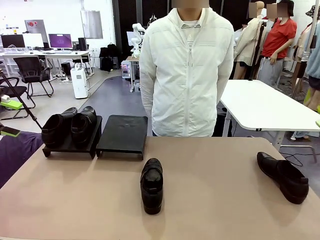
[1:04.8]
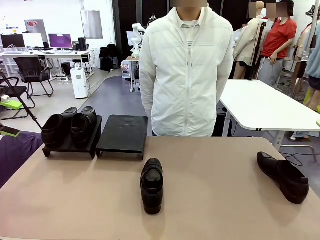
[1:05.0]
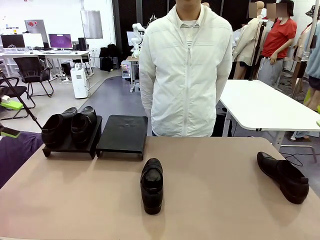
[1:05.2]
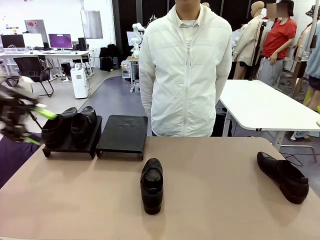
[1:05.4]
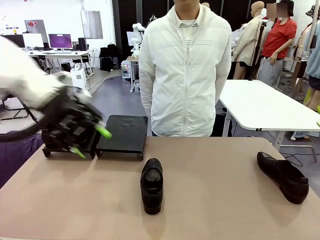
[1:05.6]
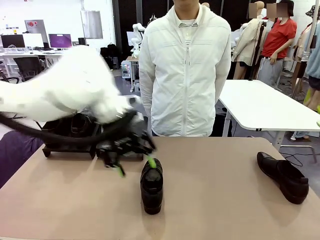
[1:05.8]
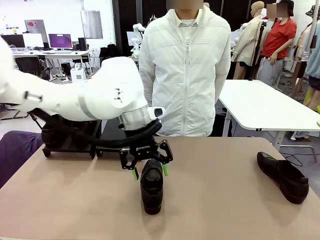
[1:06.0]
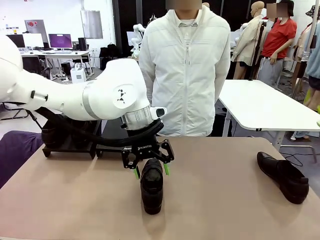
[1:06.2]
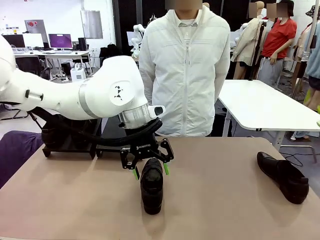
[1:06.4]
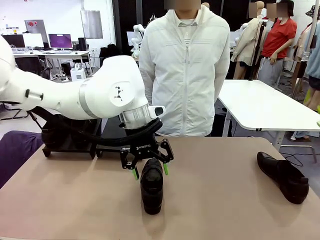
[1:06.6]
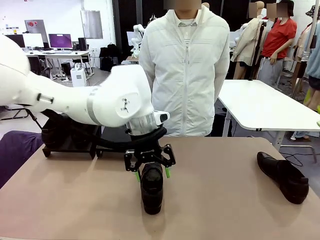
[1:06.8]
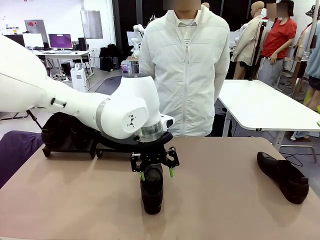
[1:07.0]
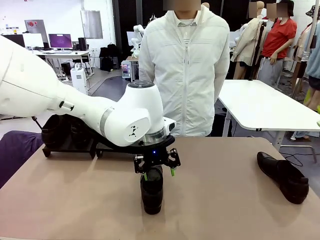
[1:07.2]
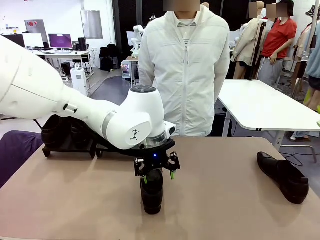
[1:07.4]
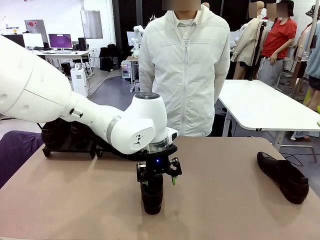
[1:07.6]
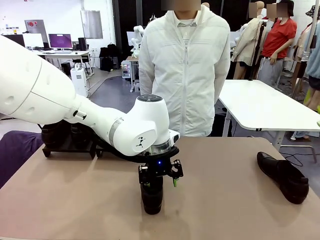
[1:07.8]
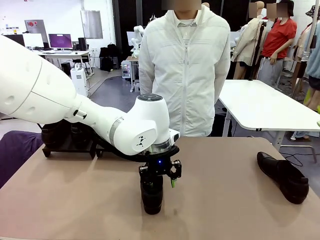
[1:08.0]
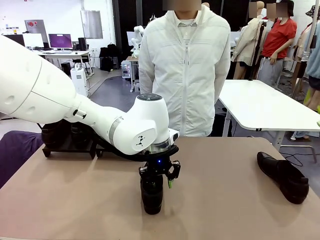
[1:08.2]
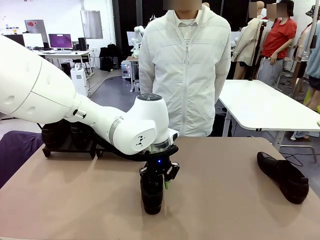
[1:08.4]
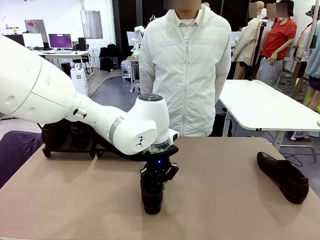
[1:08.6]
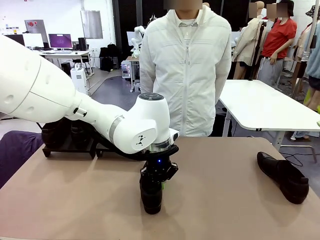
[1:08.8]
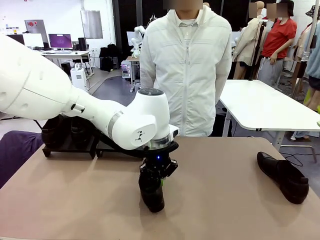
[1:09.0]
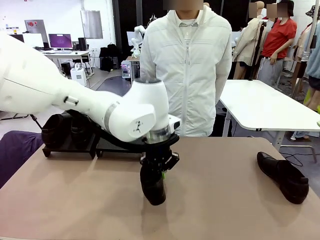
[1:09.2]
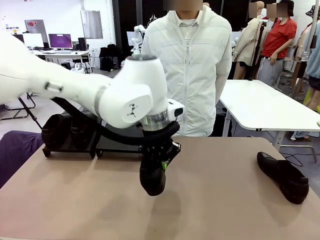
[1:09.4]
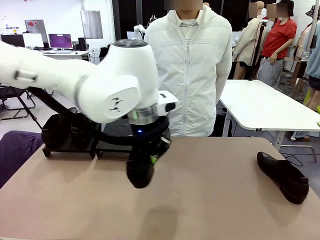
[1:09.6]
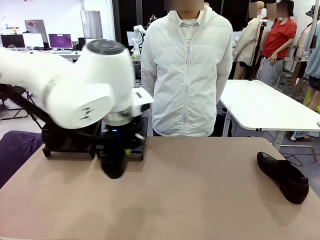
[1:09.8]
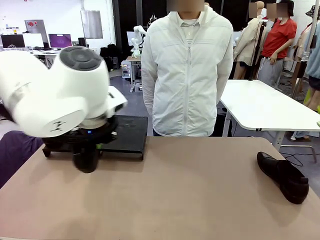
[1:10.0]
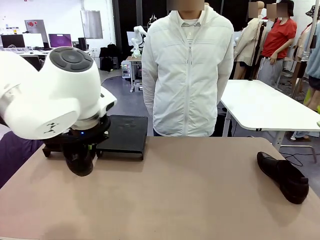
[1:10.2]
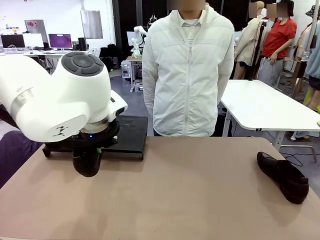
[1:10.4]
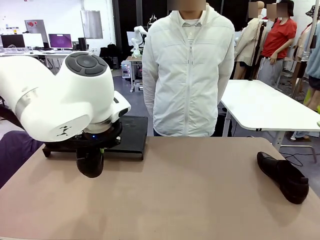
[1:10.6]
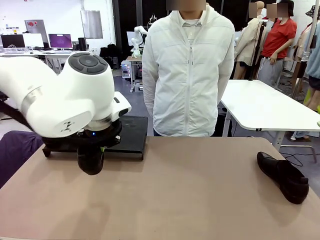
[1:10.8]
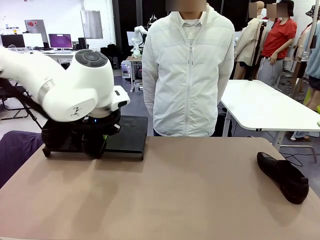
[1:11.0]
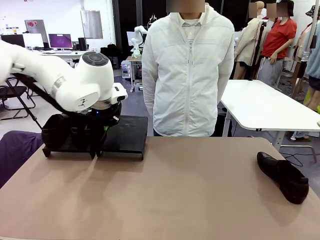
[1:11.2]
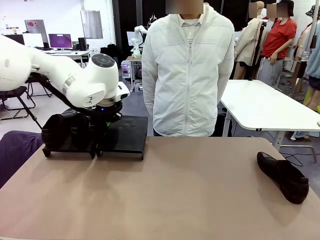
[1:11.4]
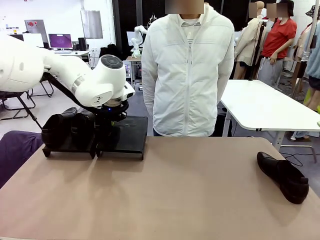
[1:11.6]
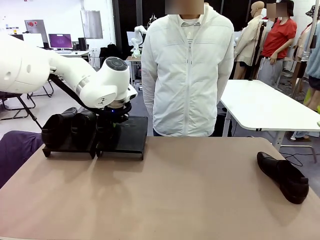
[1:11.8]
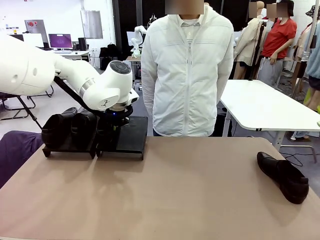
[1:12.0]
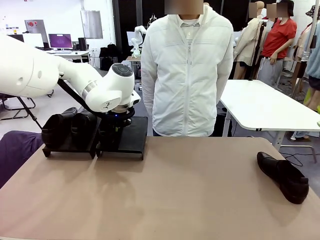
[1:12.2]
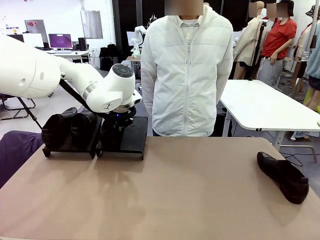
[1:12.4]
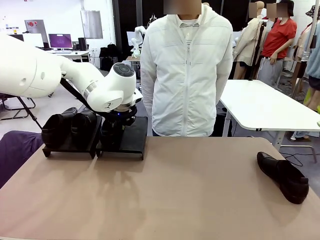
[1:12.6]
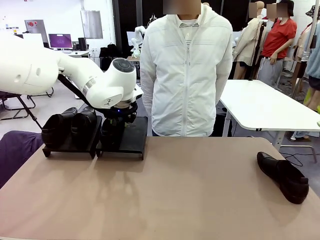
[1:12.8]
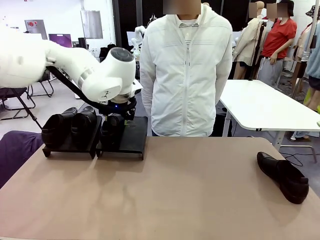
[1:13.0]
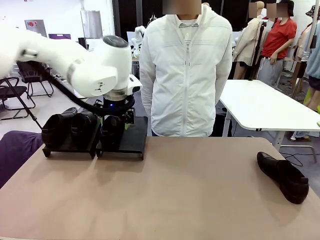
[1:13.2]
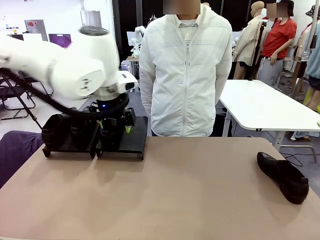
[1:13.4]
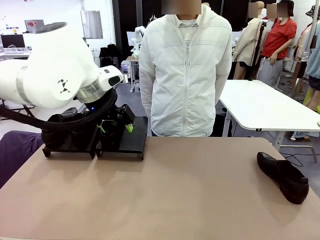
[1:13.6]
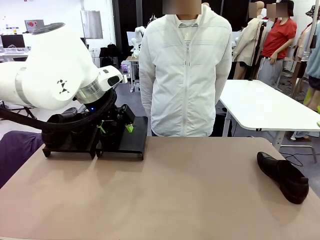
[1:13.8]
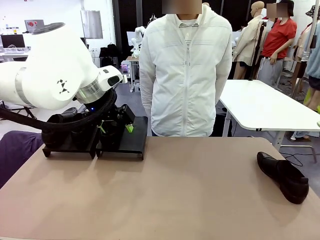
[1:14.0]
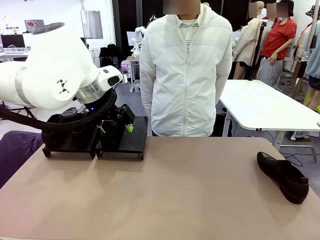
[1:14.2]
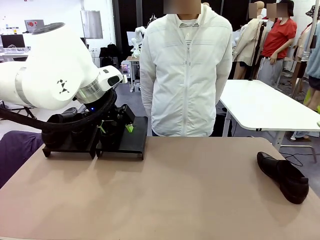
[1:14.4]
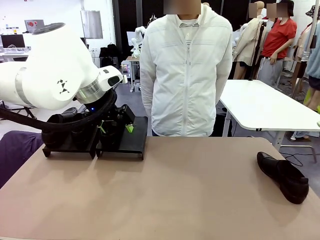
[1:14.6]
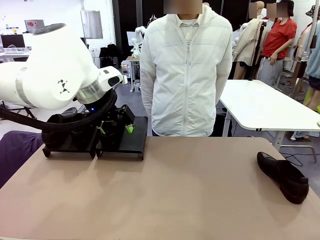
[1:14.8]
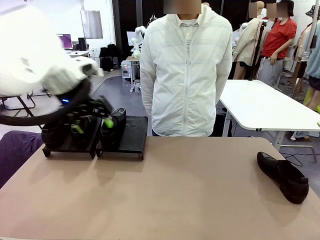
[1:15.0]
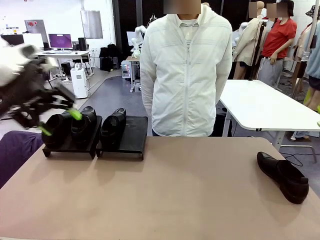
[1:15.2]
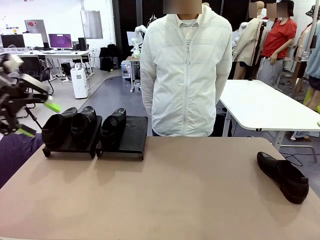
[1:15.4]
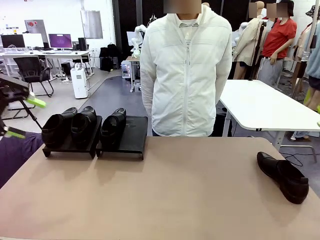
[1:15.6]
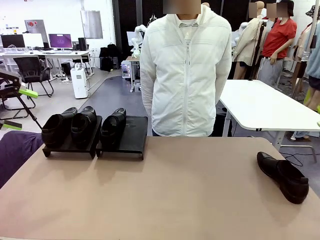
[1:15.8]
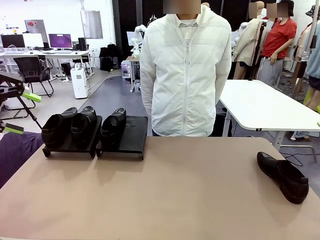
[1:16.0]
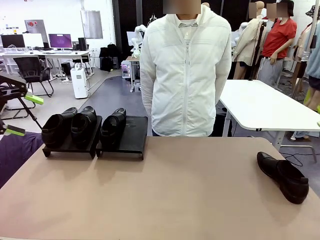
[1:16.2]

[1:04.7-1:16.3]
Task: Organize the shoes by placing them on the stand.
Robot: Place the Shoe from the middle of the table onto the Shoes Stand.

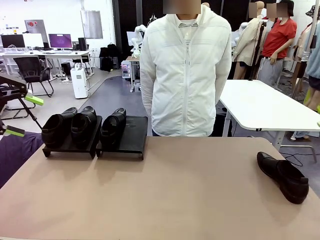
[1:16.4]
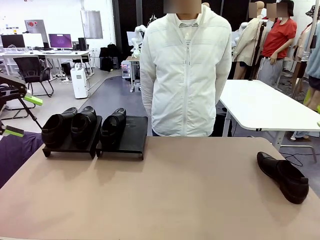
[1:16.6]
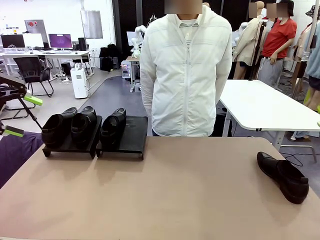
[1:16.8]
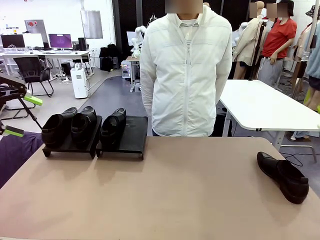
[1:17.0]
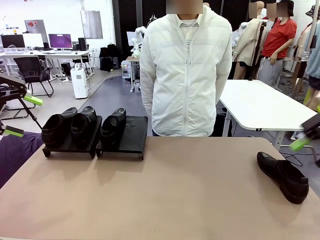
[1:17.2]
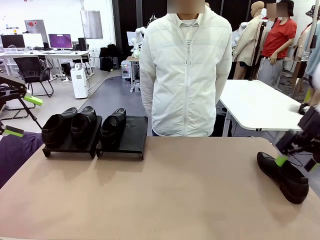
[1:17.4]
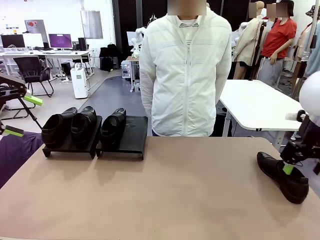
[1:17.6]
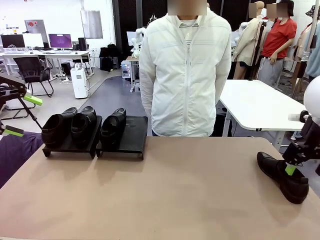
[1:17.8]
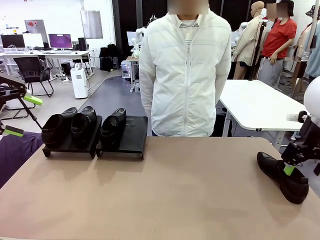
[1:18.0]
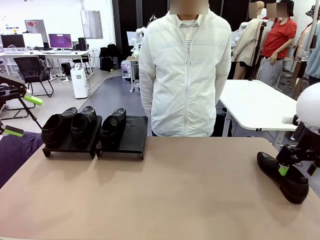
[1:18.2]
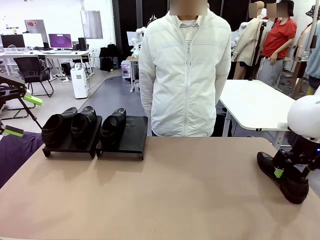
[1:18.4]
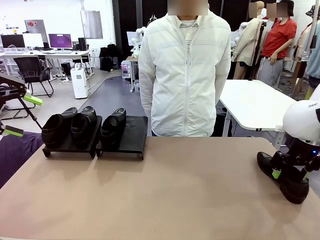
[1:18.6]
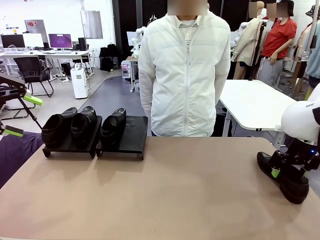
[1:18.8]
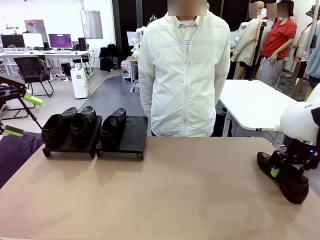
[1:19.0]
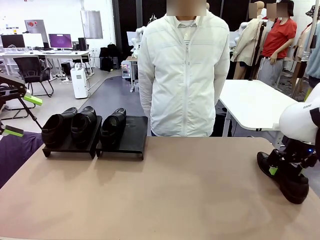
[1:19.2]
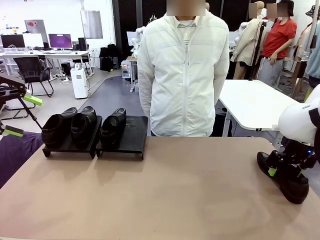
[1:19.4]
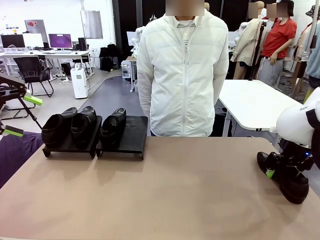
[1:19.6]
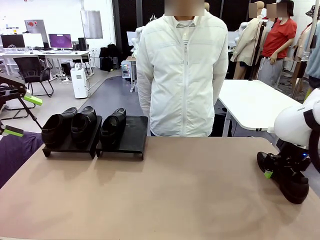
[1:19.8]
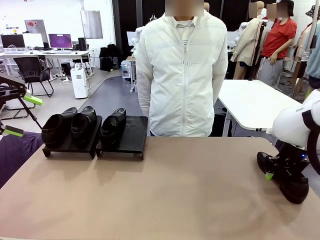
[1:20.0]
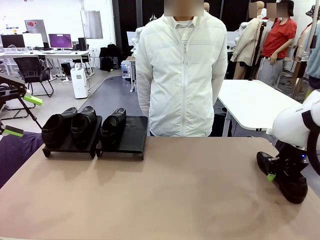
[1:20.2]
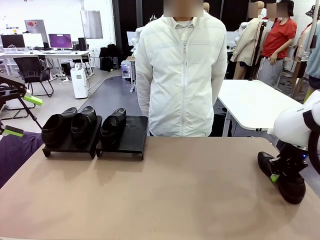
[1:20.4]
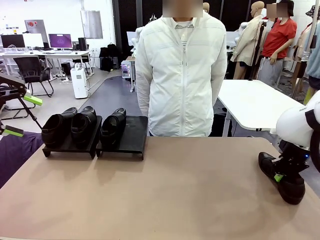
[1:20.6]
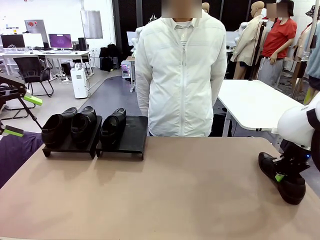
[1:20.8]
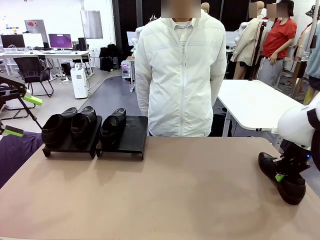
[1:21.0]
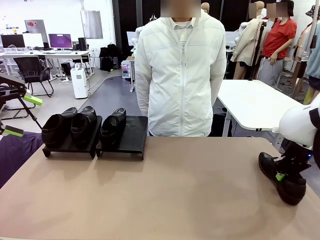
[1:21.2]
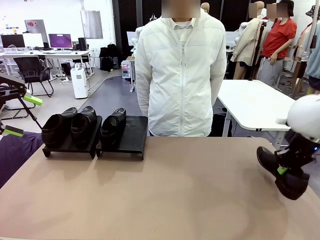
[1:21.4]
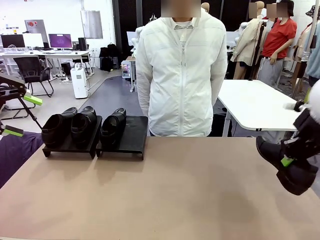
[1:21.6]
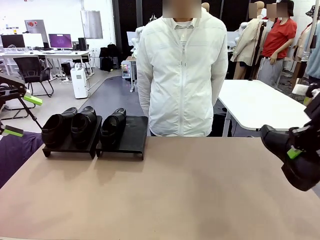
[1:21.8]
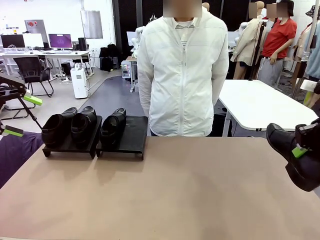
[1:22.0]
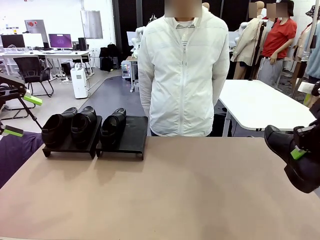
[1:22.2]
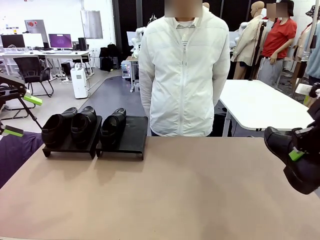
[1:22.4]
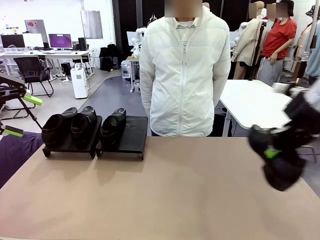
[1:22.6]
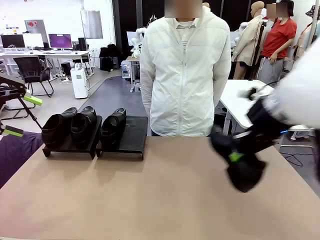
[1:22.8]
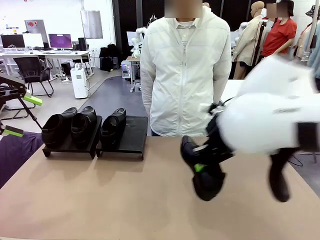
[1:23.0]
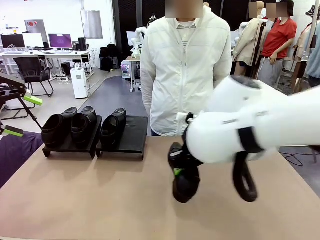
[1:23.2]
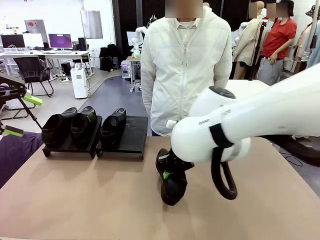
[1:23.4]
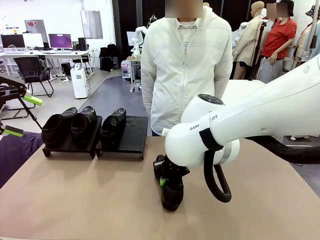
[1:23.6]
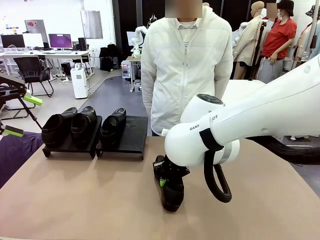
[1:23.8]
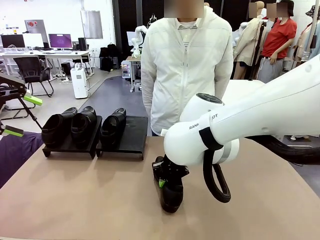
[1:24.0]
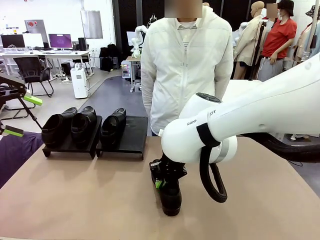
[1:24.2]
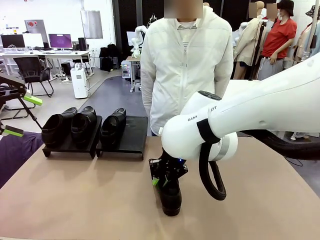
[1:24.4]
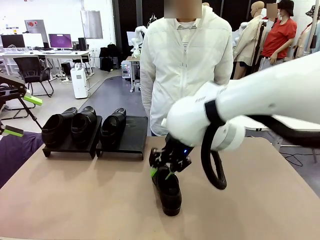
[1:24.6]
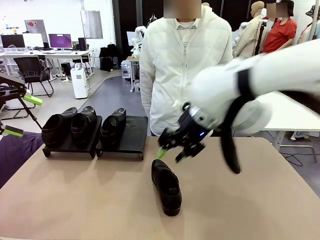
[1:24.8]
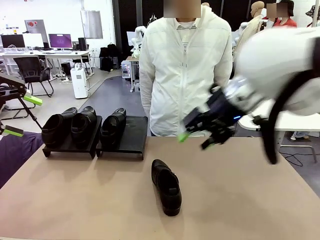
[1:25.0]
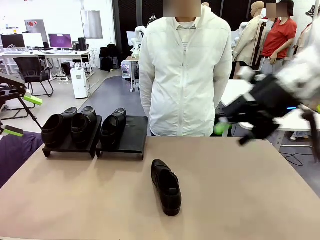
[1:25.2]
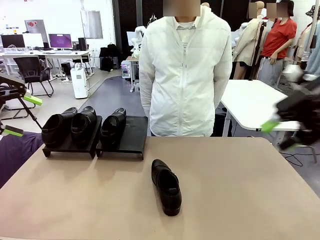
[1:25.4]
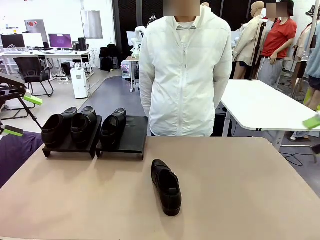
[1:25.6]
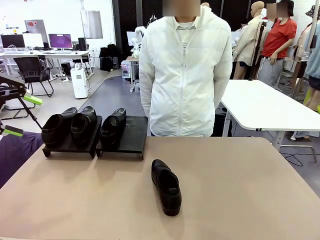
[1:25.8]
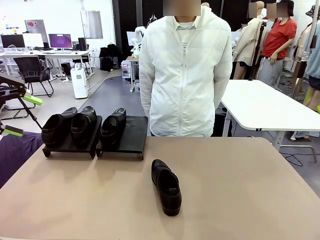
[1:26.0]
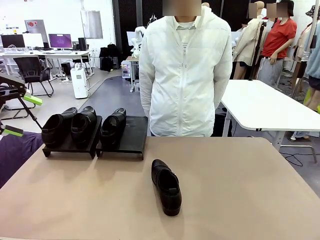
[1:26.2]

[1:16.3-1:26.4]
Robot: Pick up one Shoe and place it in the middle of the table.
